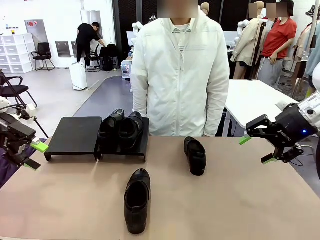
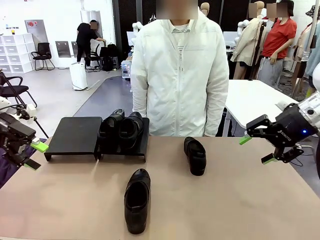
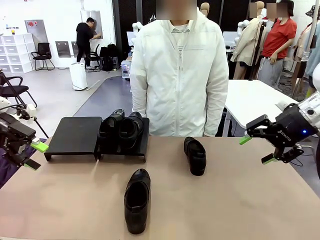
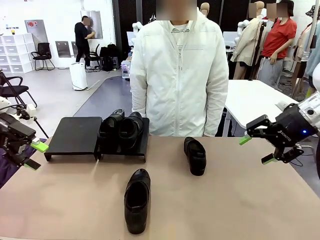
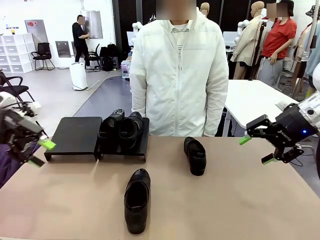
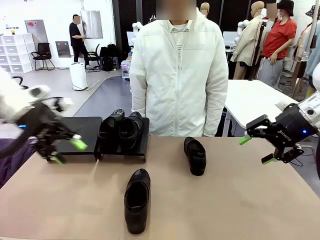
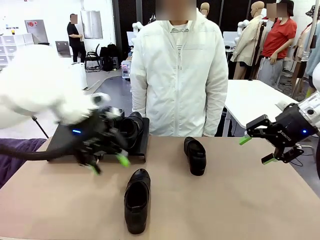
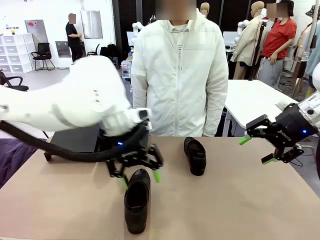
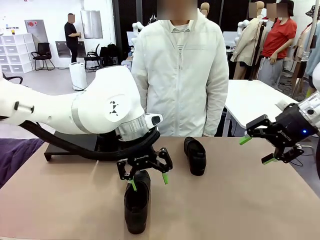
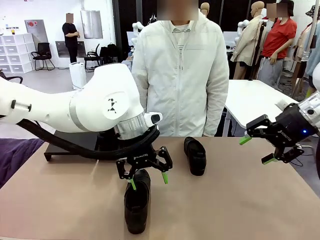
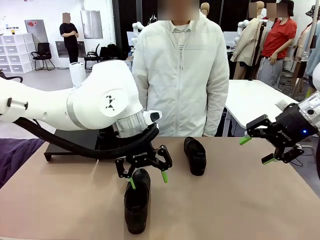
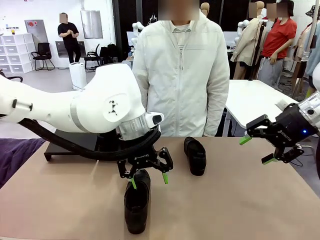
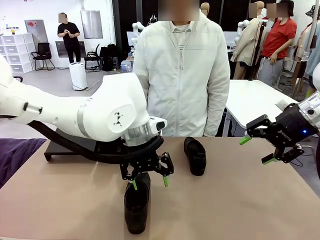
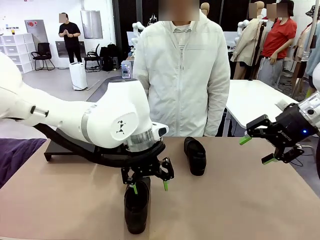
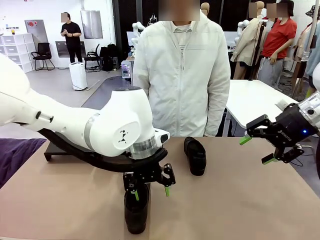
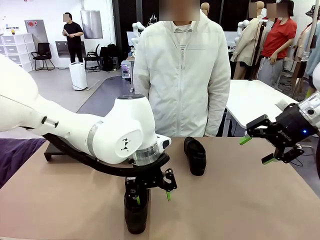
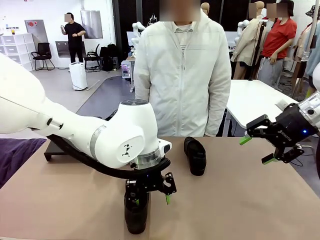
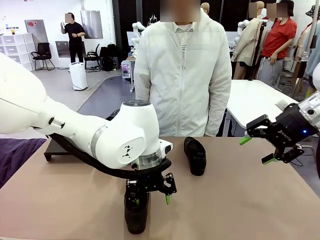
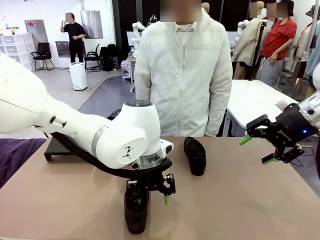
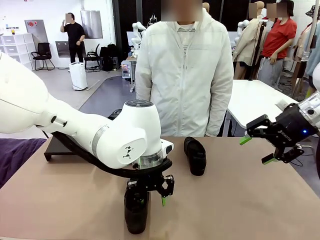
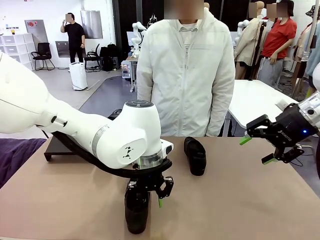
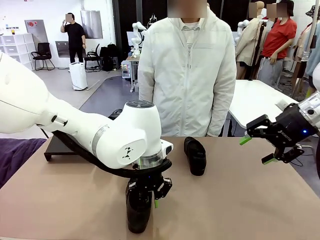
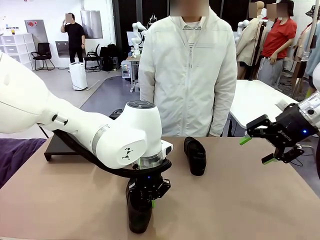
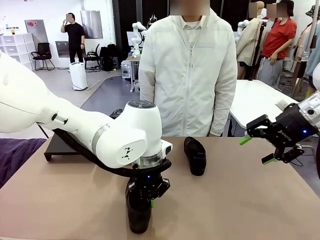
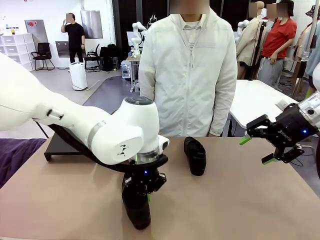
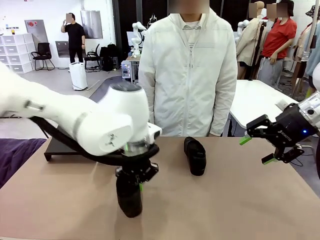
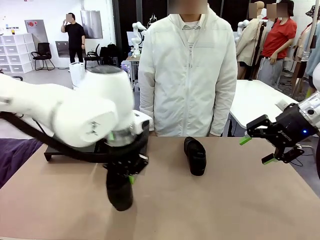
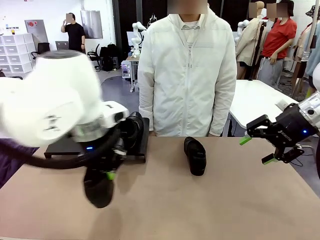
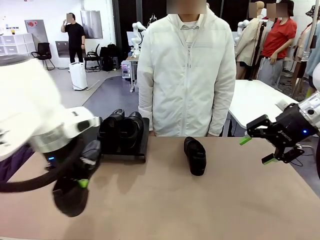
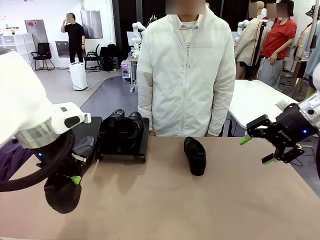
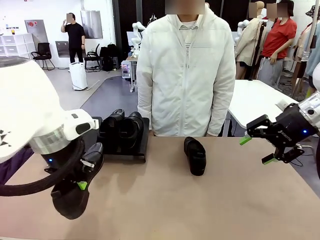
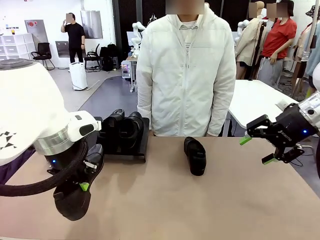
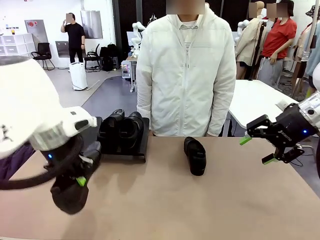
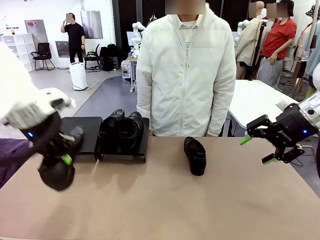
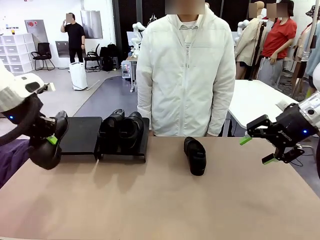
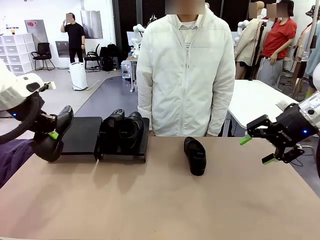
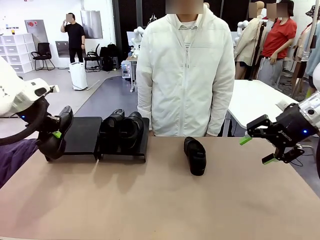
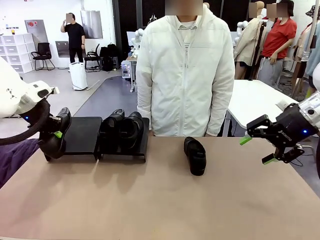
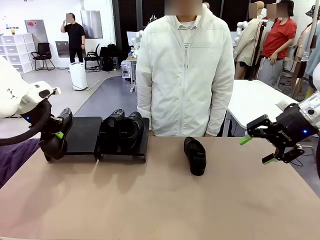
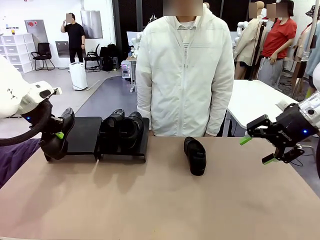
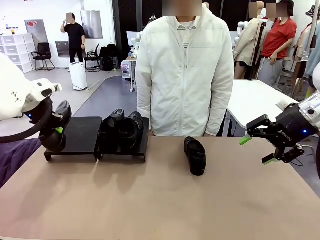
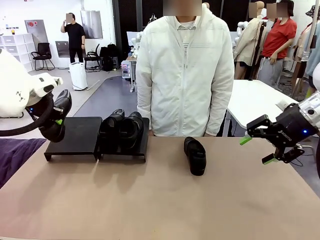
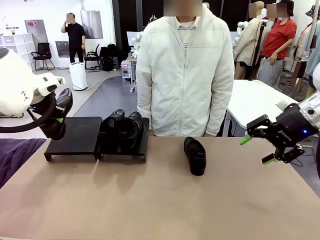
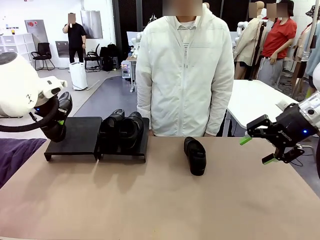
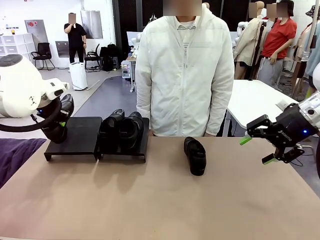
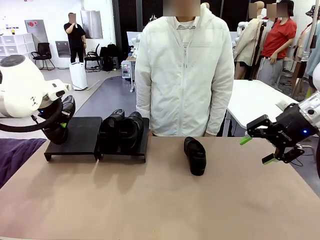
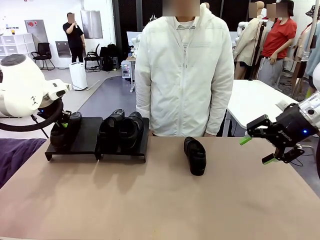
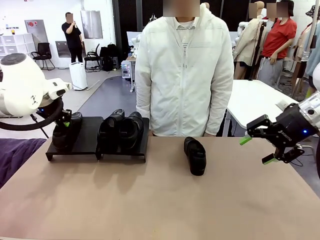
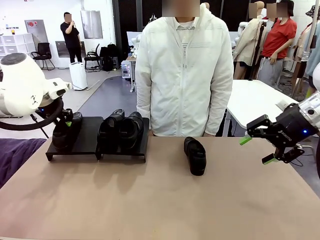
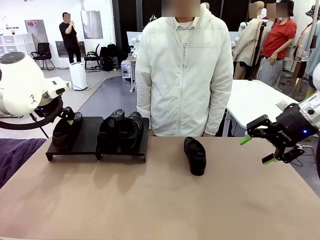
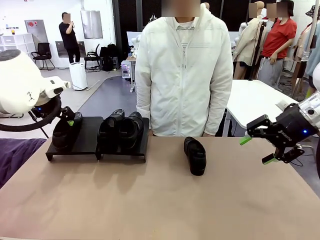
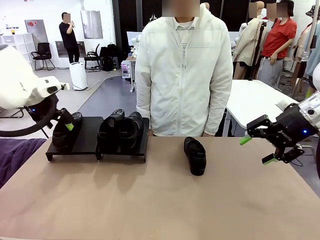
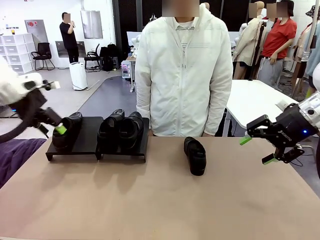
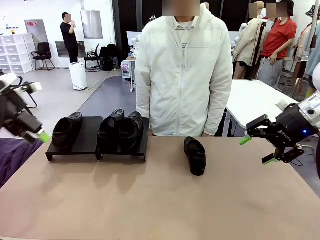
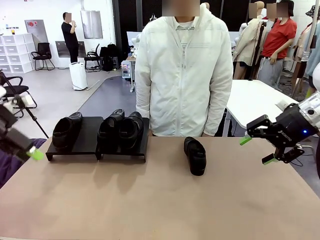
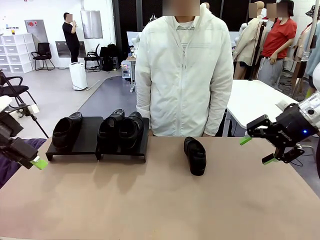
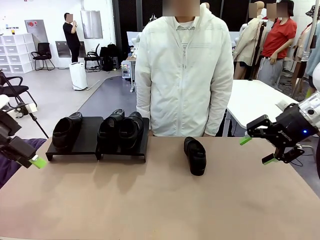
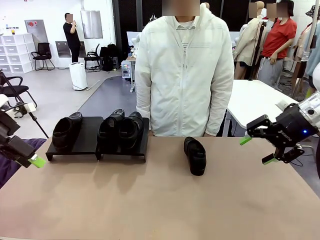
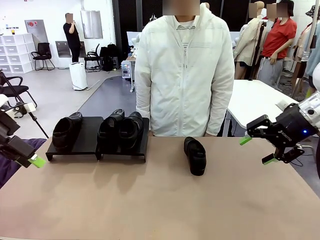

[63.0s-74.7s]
Task: Organize the shoes by placing them on the stand.
Robot: Place the Shoe from the middle of the table onto the Shoes Stand.

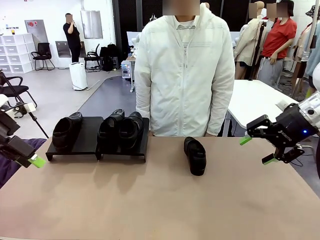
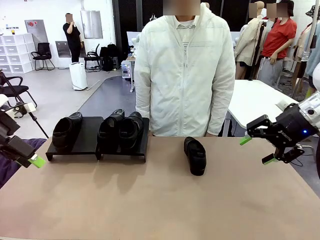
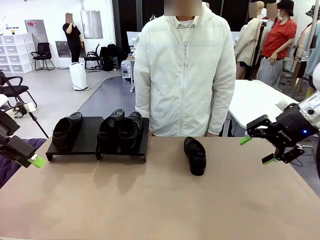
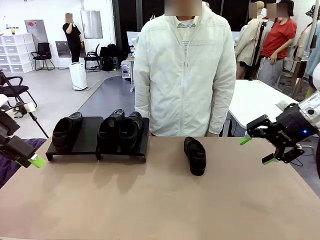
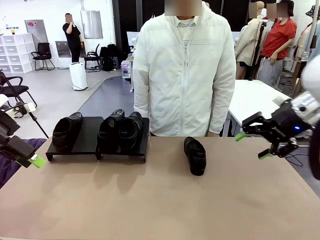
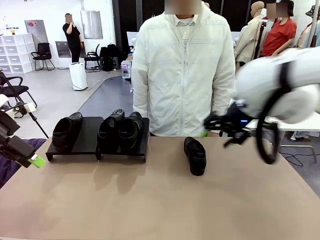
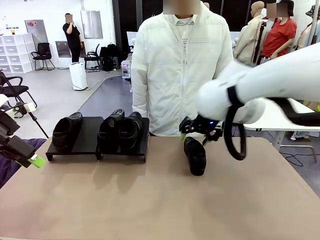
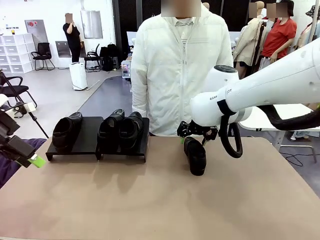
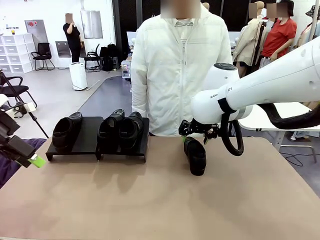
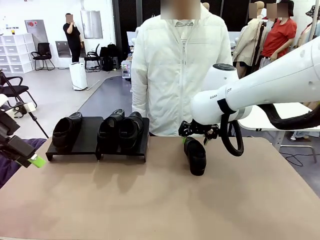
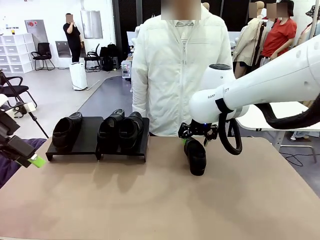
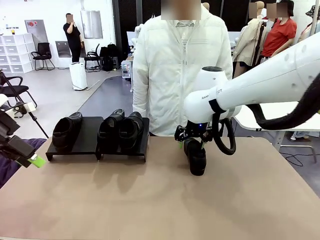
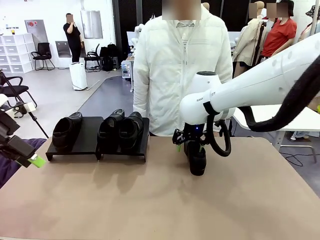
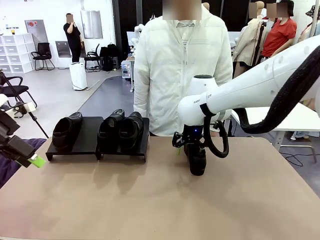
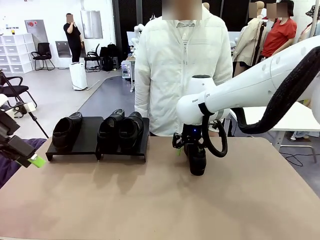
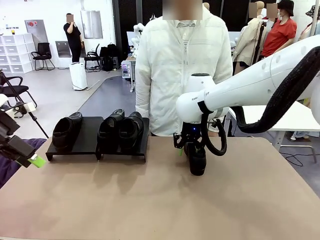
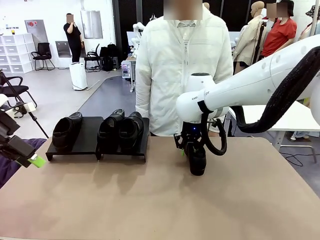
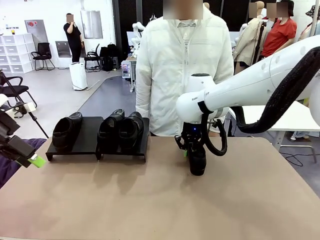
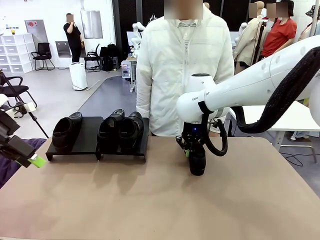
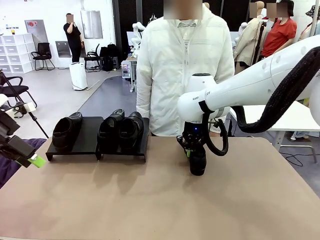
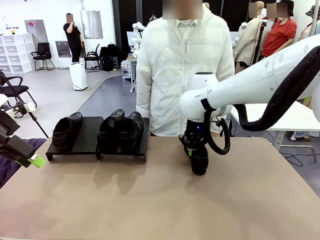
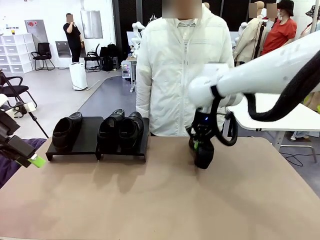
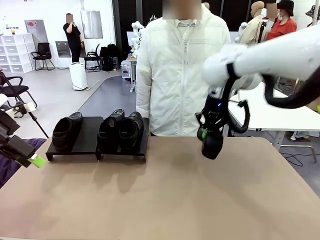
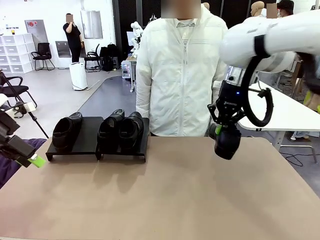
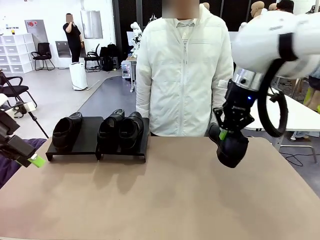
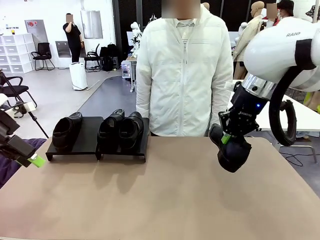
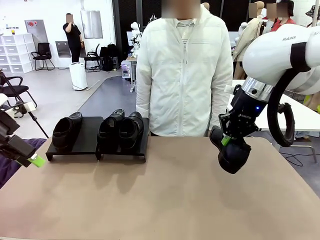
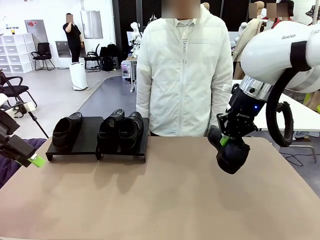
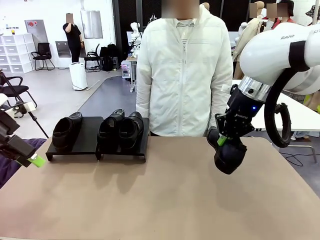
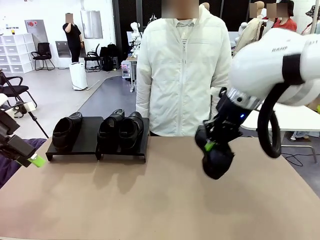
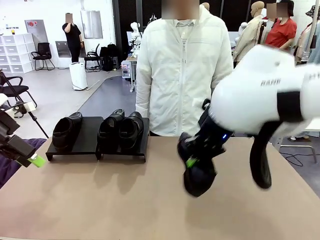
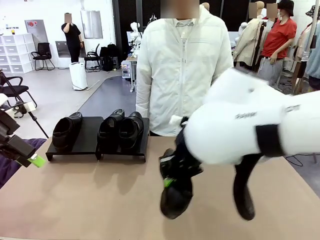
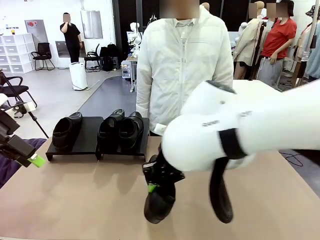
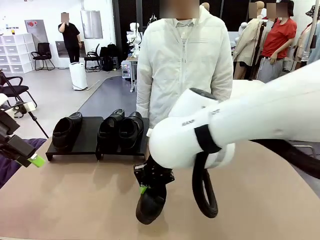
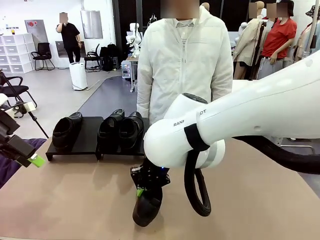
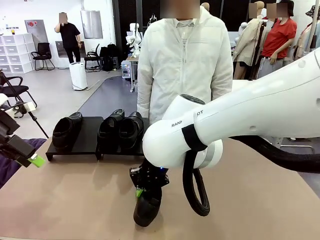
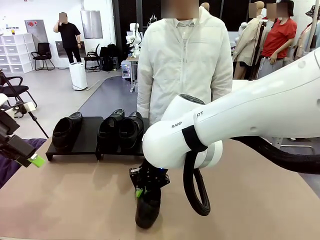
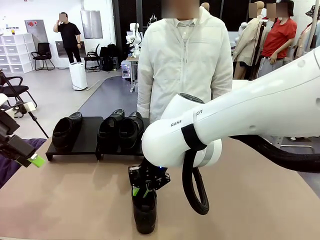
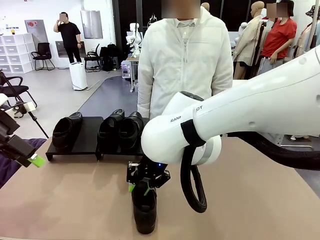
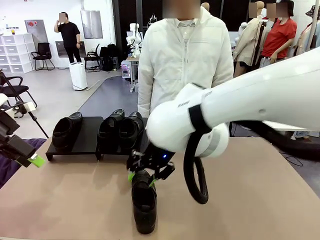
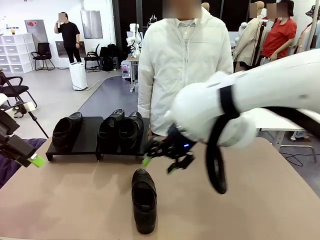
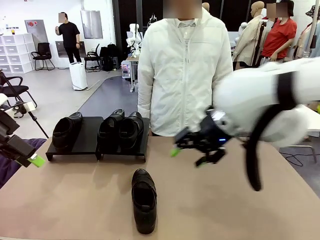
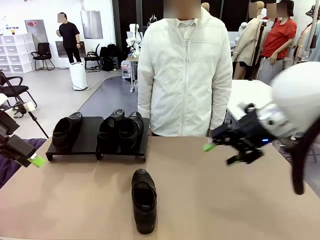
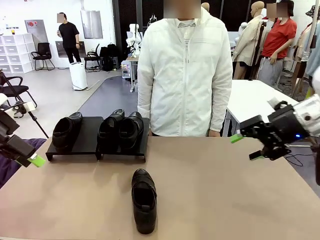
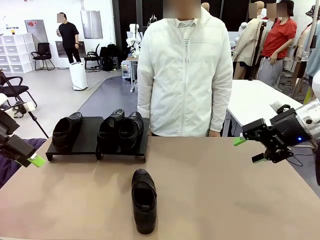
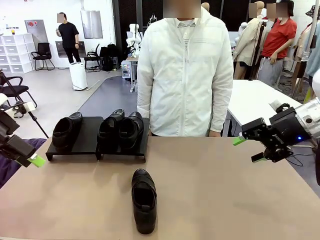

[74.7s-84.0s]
Robot: Pick up one Shoe and place it in the middle of the table.
